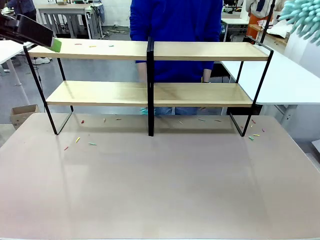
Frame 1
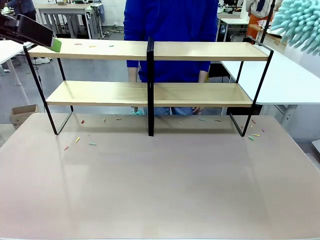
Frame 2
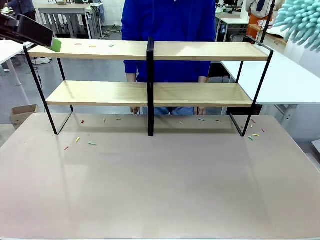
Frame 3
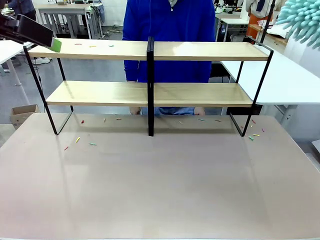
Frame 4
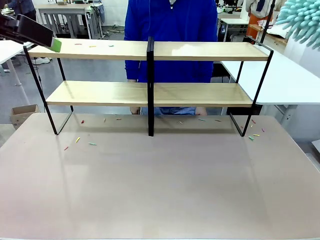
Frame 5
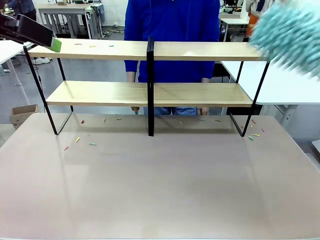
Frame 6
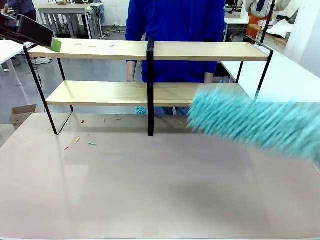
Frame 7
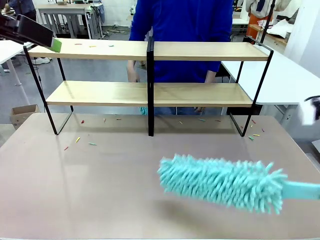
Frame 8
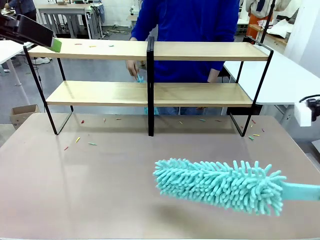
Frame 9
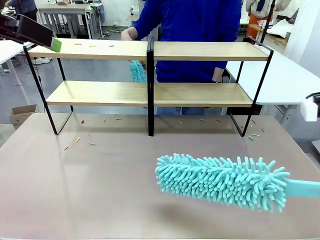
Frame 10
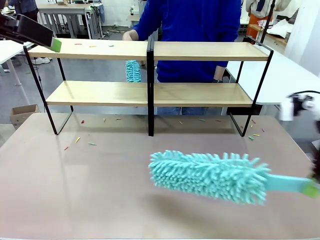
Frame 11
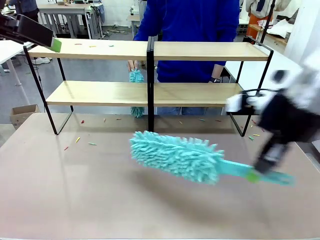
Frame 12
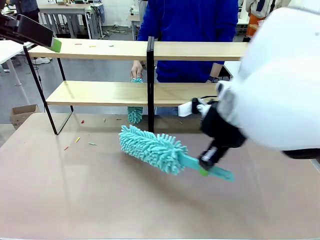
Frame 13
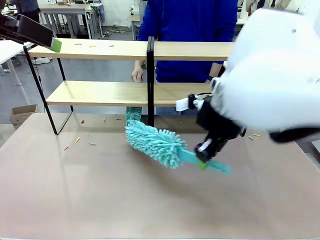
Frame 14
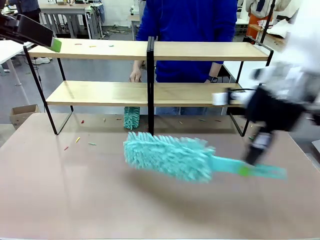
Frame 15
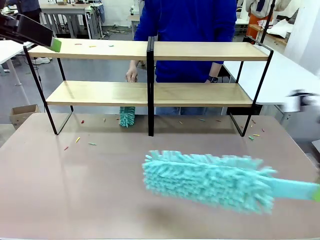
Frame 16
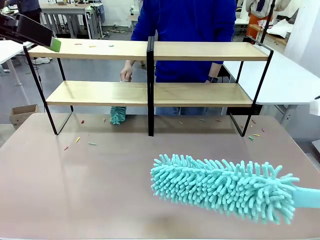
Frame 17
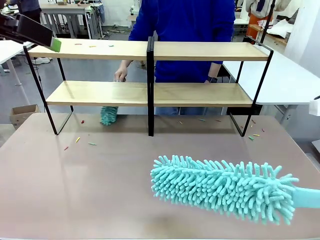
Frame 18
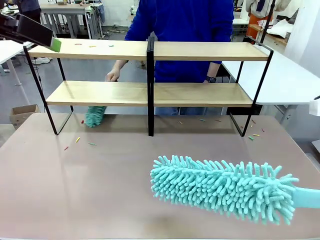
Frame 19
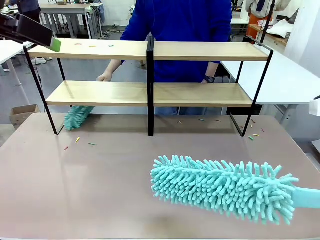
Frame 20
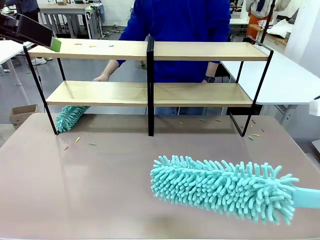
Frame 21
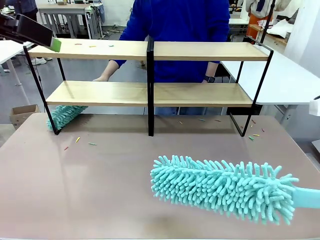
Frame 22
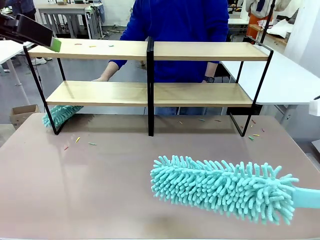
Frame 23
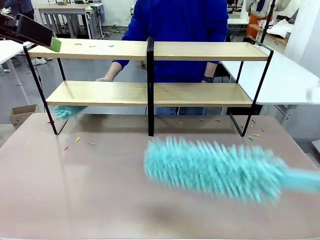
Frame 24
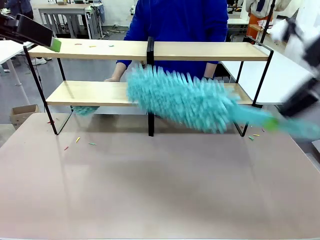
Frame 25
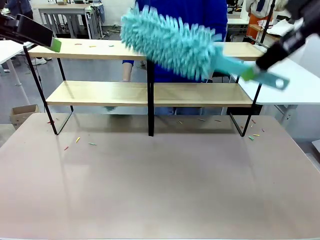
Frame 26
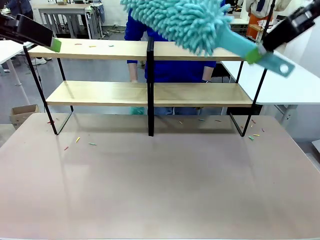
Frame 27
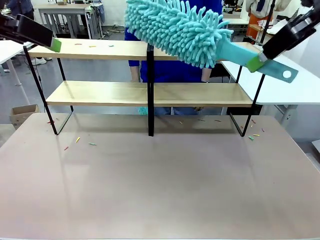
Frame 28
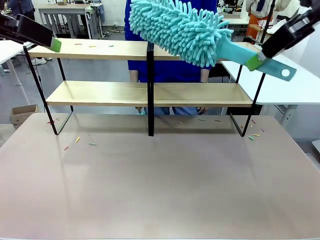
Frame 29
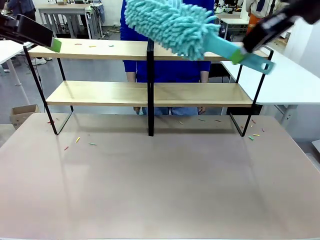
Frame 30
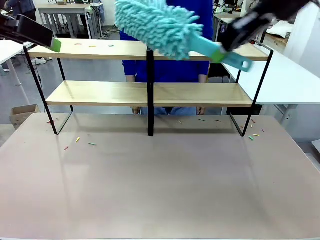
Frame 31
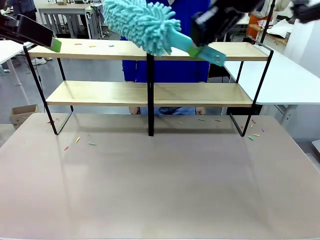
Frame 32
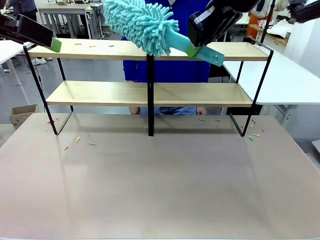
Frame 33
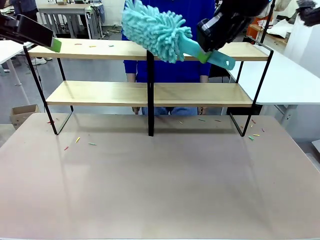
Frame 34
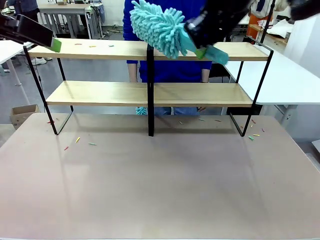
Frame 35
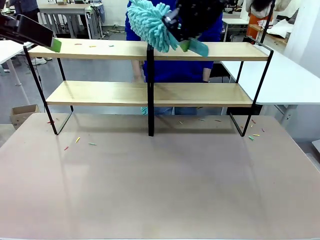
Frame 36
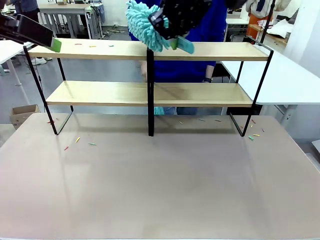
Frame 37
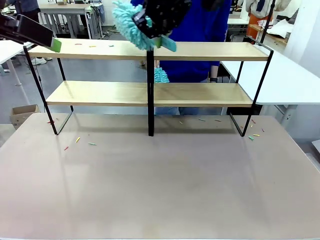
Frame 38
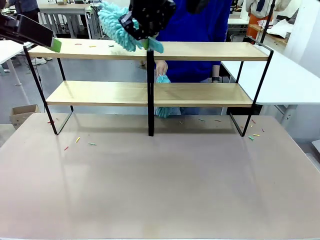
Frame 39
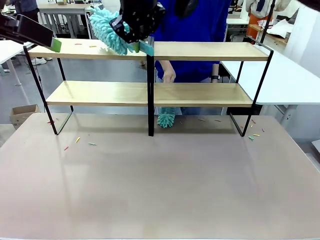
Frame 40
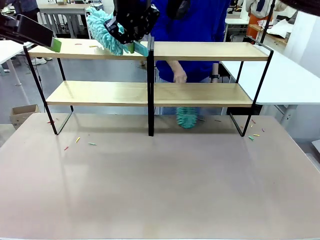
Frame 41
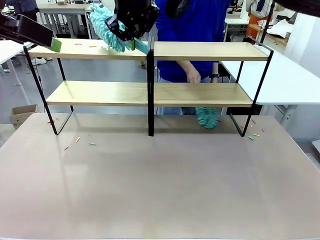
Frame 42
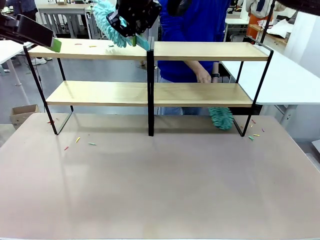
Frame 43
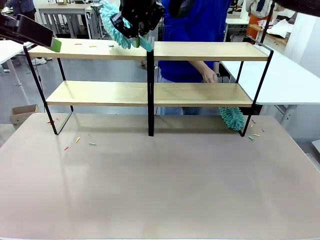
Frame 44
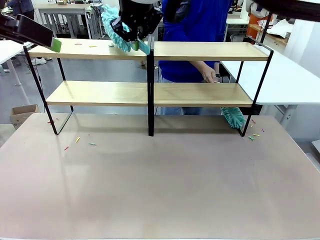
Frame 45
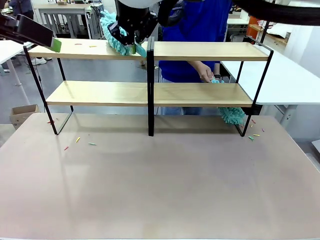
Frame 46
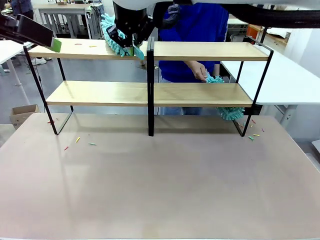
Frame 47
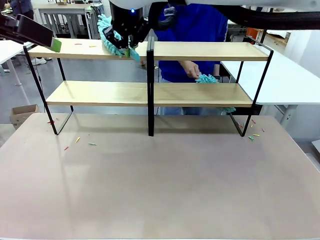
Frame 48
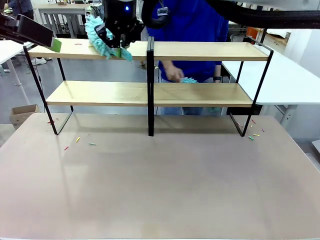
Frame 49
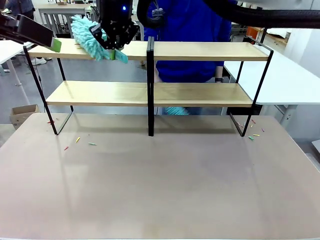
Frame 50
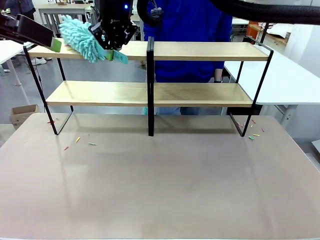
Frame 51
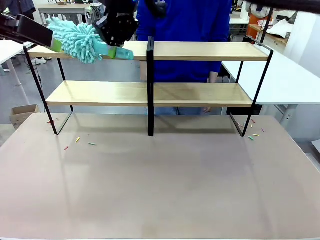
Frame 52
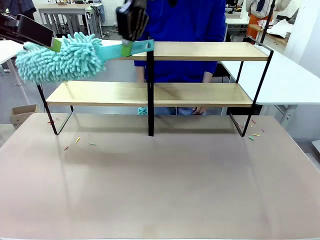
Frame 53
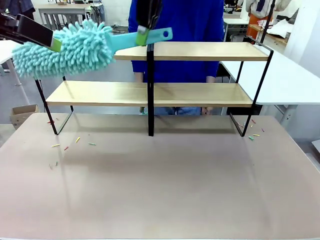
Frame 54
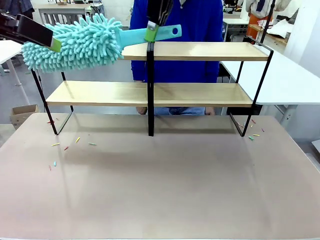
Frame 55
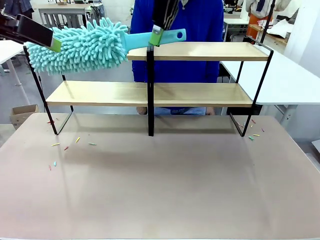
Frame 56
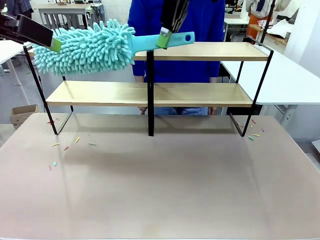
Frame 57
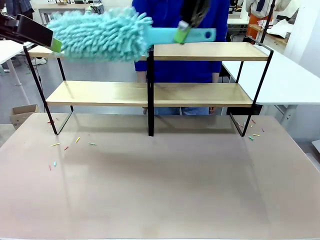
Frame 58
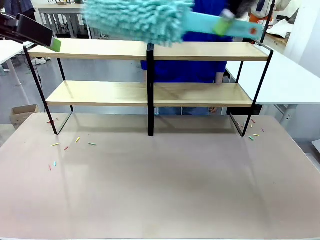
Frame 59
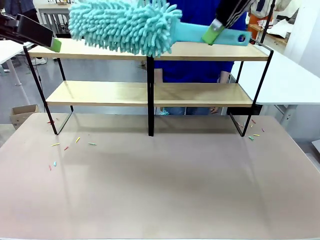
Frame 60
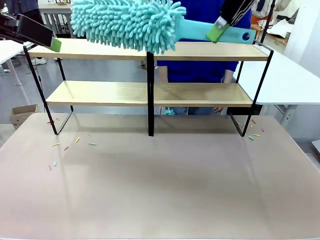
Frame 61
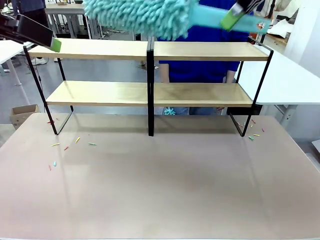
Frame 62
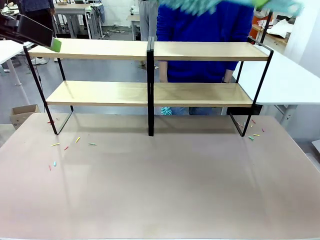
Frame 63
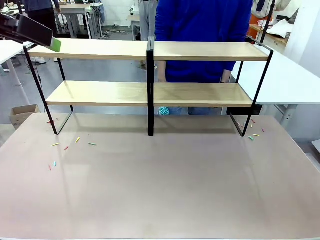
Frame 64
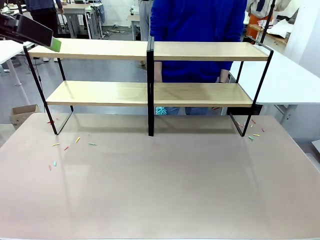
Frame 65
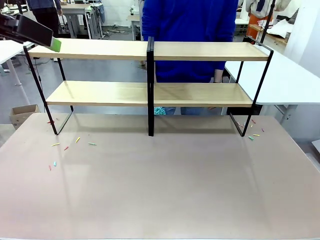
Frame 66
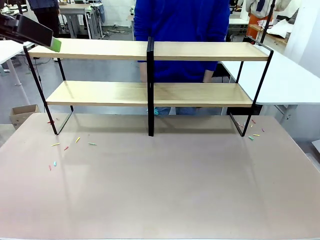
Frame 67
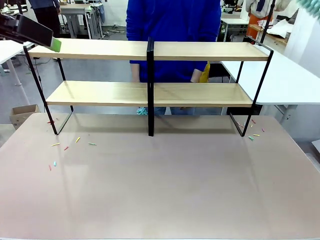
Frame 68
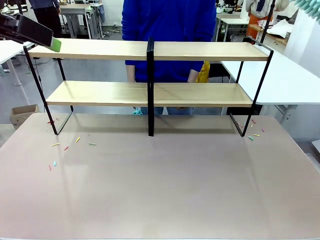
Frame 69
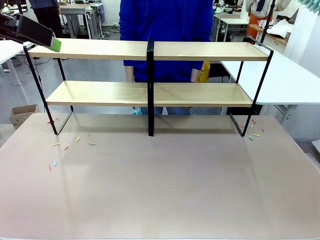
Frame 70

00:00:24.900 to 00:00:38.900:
Task: Clean the shelves.
Robot: Clean another randomly selected level of the Shelf with the Duster.

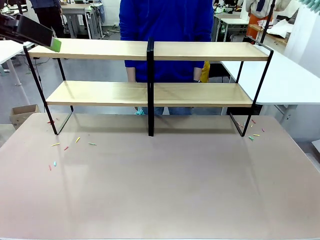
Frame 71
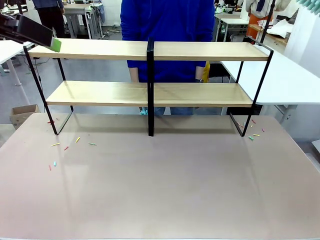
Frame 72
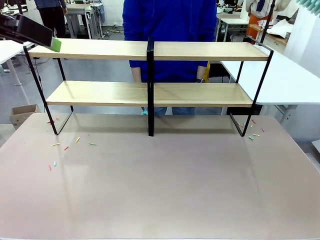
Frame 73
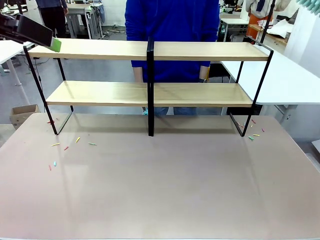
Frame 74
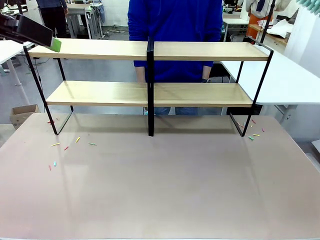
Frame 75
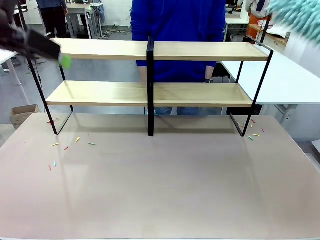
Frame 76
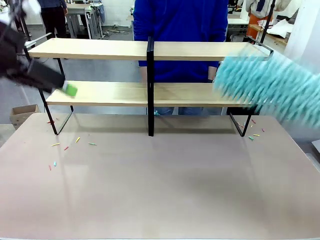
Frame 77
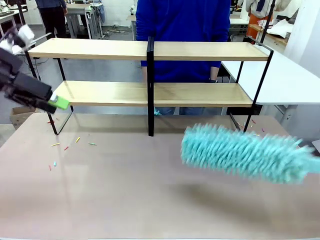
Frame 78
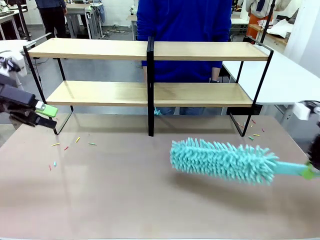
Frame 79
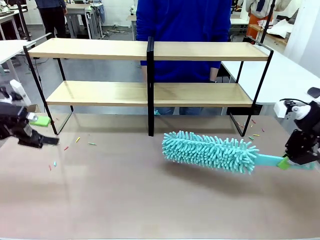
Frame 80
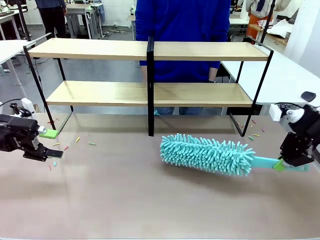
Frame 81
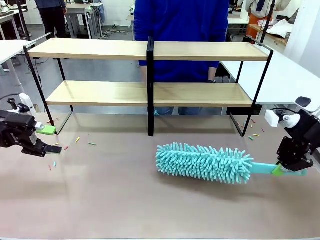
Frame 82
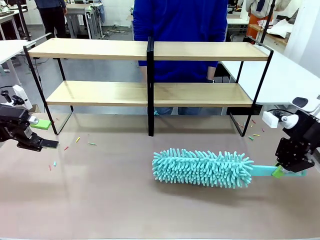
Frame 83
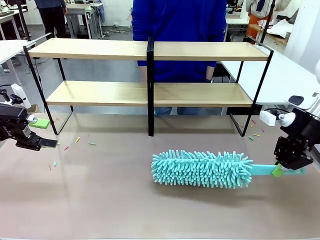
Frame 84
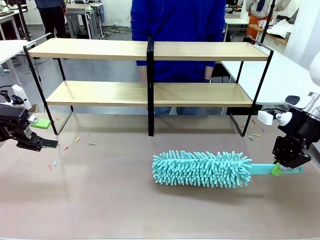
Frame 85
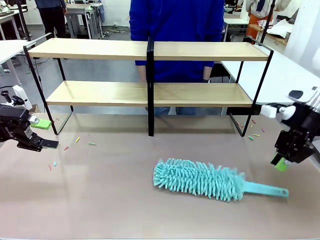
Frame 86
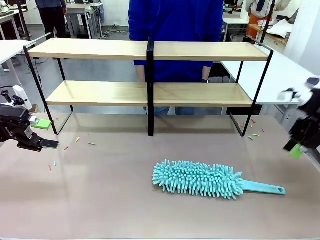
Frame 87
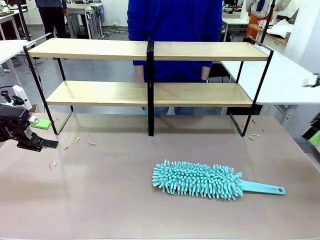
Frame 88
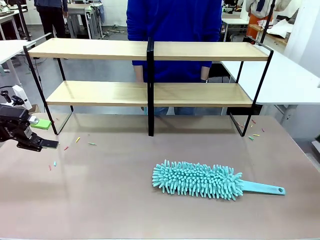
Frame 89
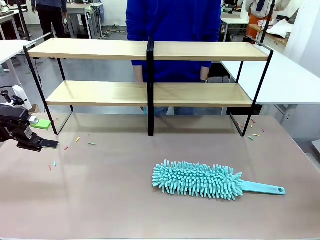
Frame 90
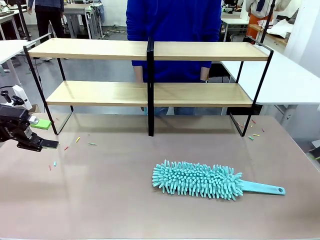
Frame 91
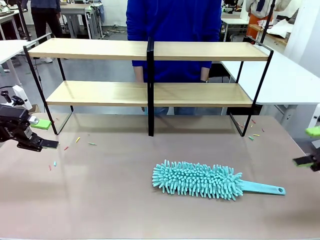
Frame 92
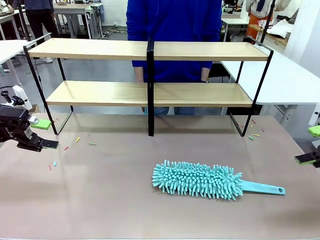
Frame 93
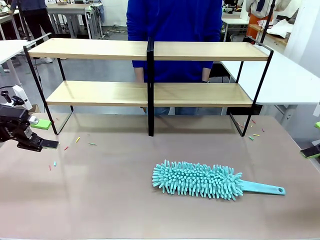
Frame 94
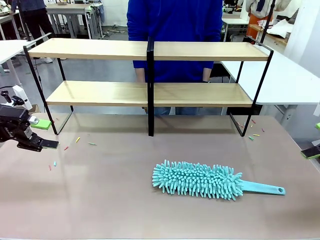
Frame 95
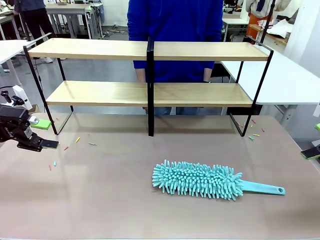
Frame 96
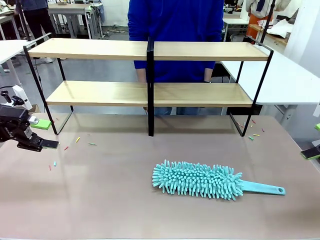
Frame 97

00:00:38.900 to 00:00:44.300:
Robot: Place the Duster on the table.
